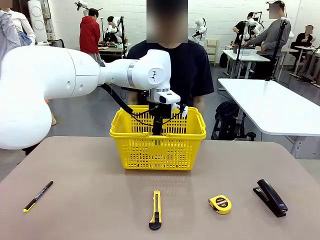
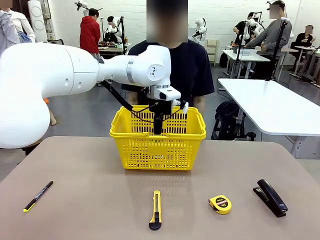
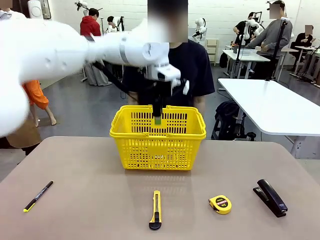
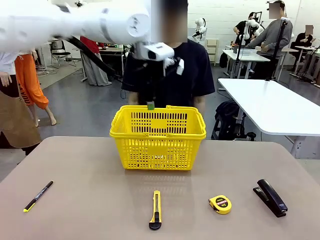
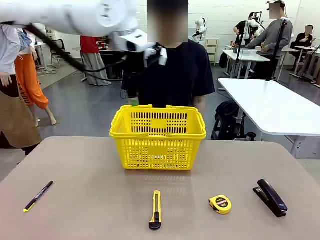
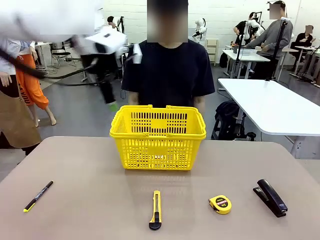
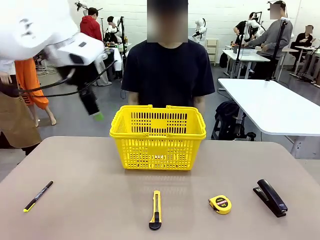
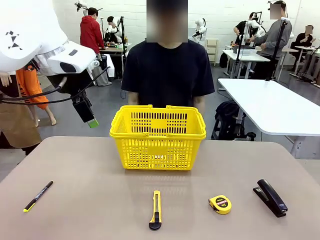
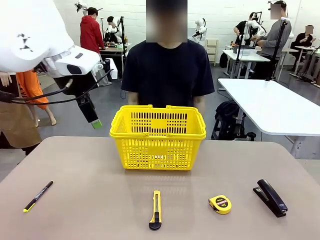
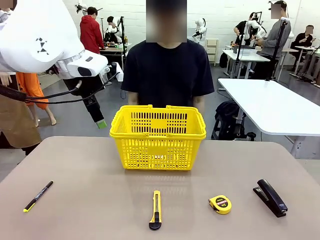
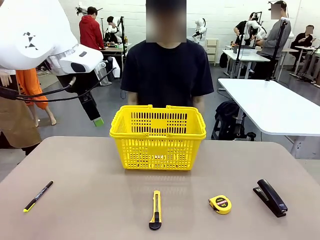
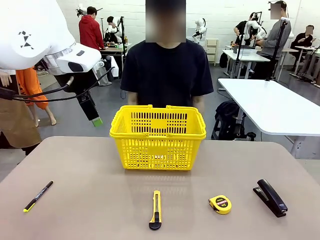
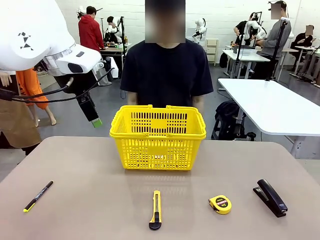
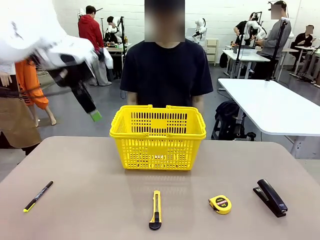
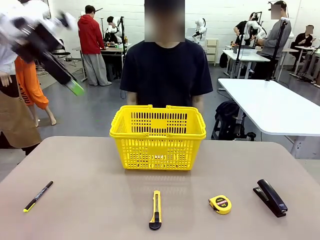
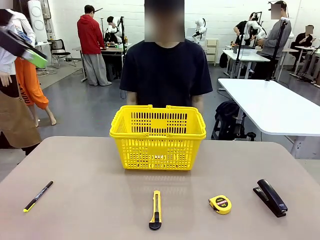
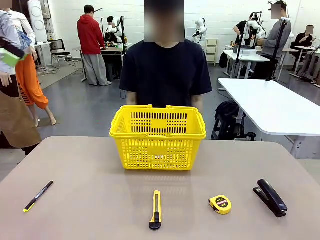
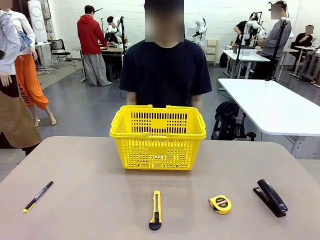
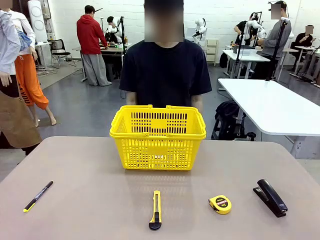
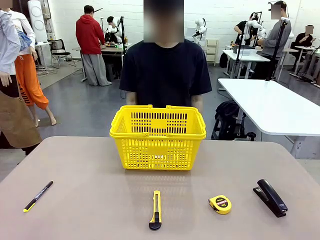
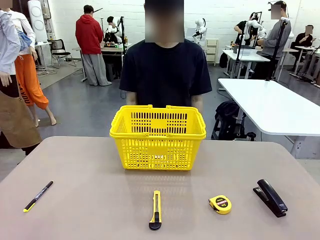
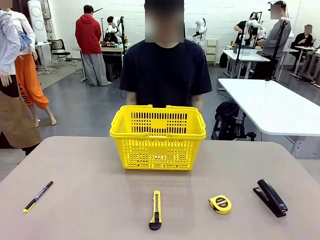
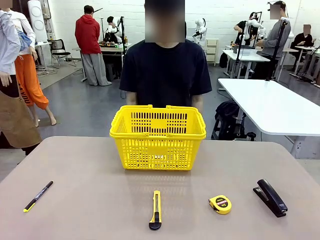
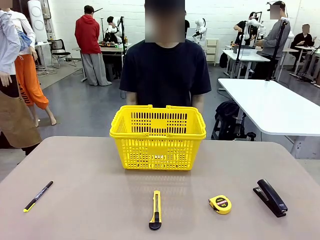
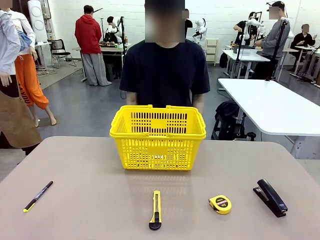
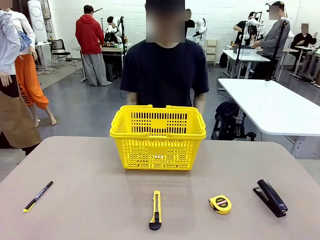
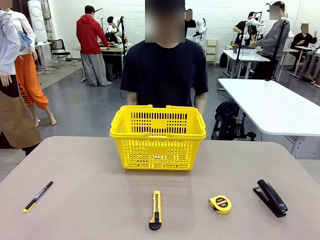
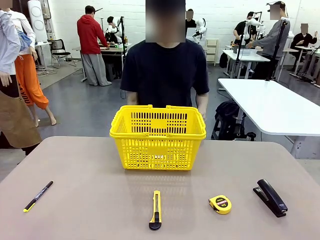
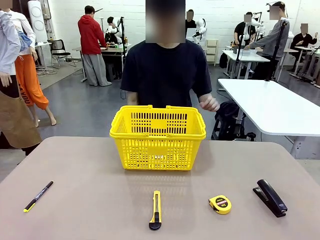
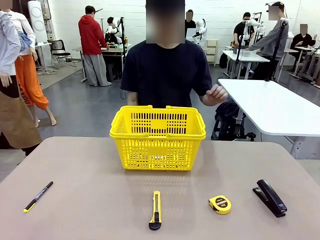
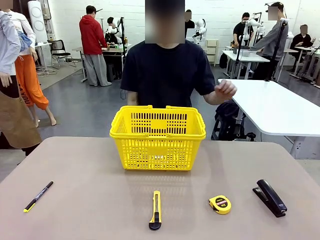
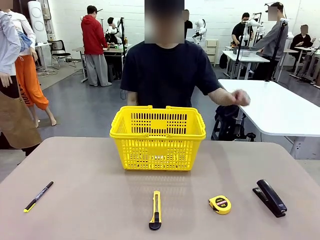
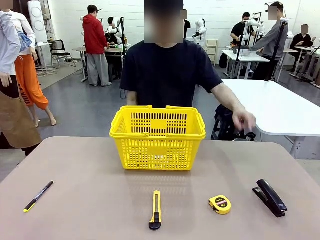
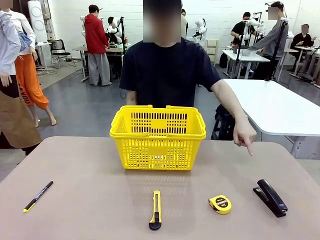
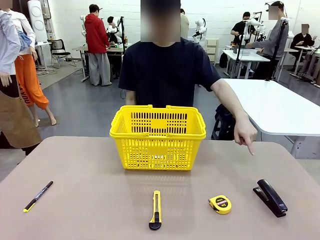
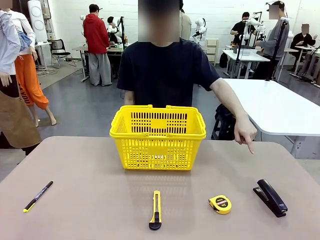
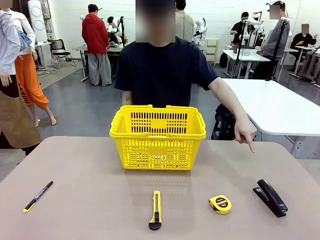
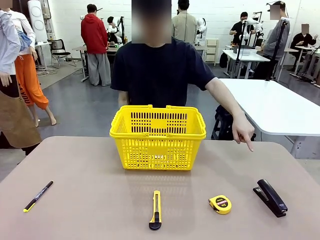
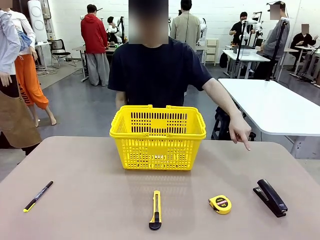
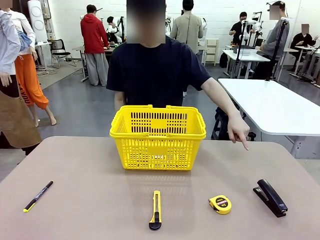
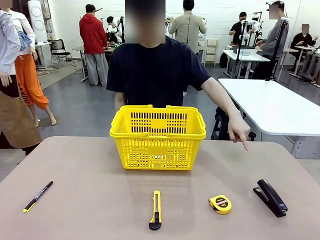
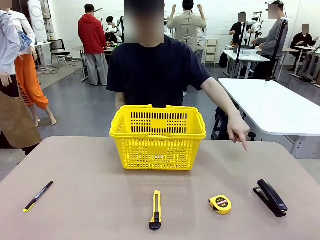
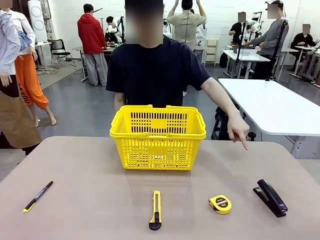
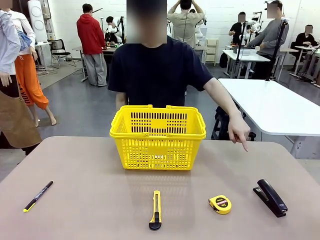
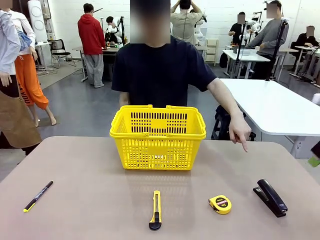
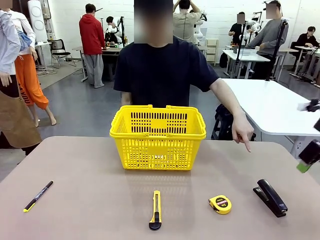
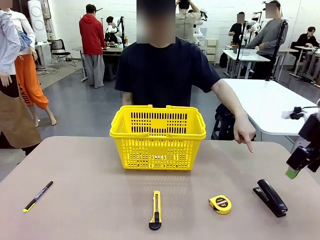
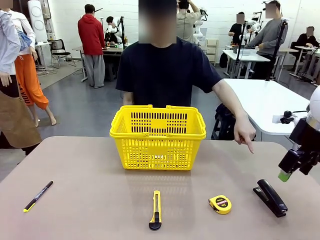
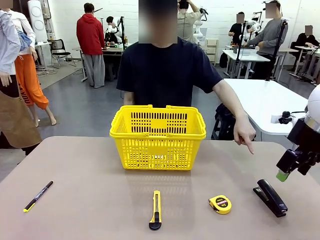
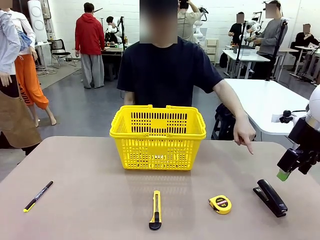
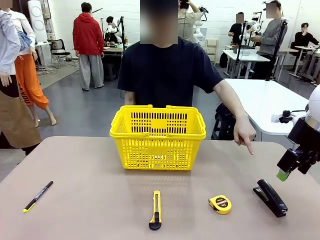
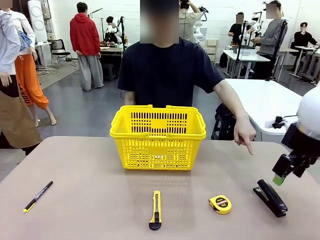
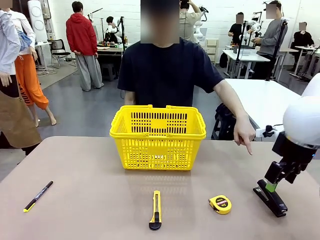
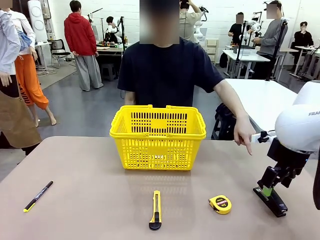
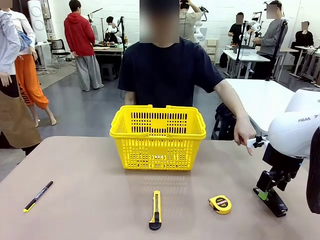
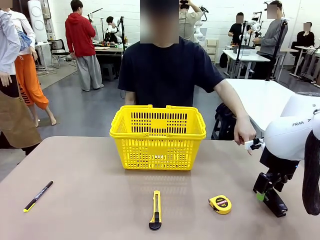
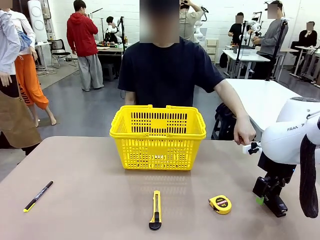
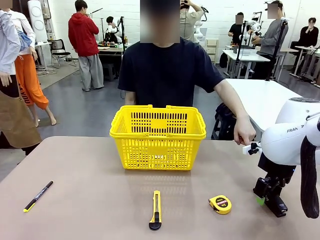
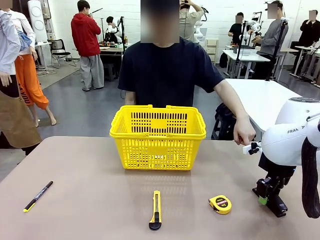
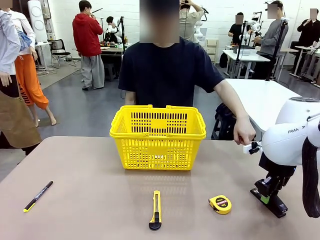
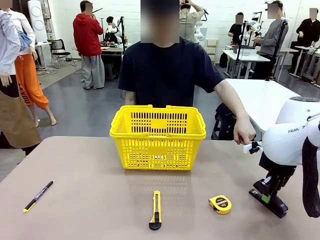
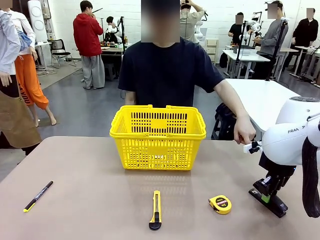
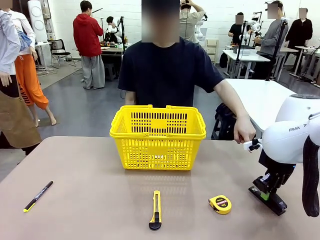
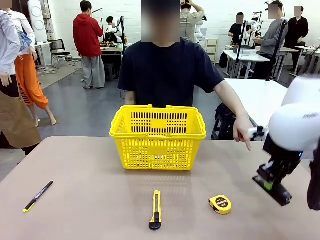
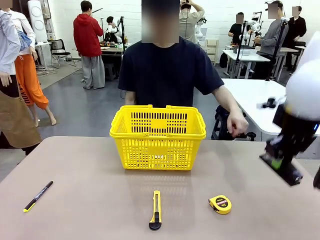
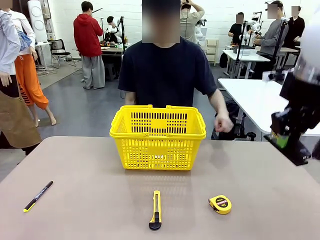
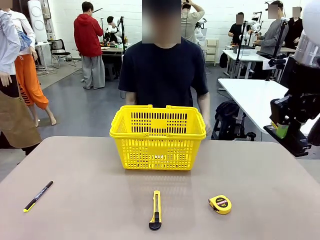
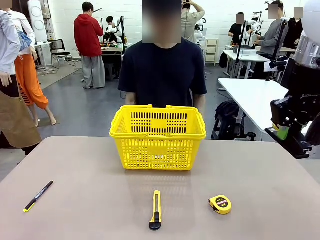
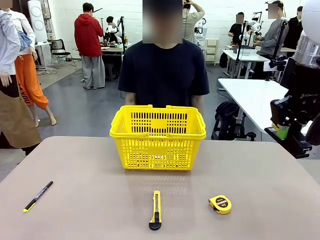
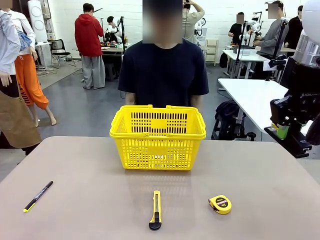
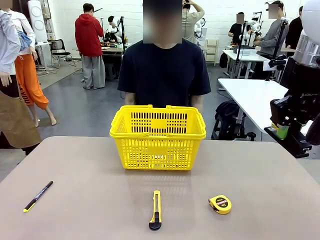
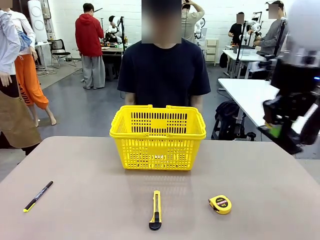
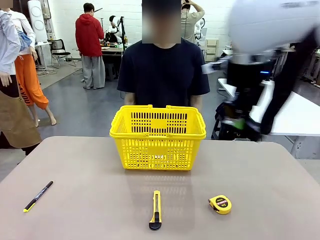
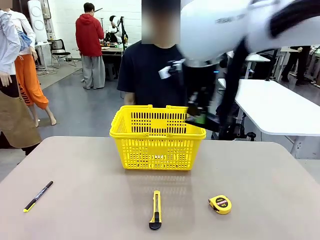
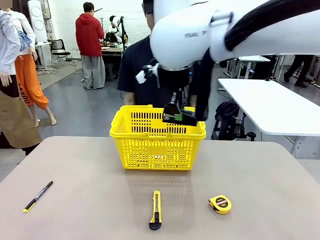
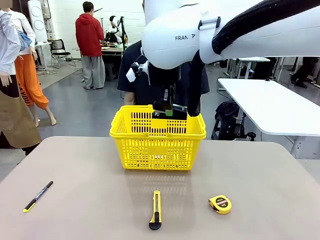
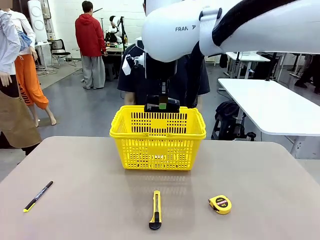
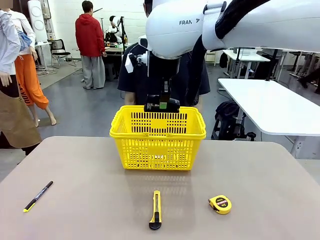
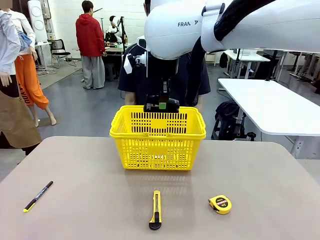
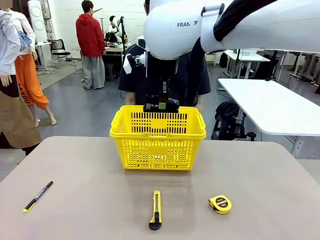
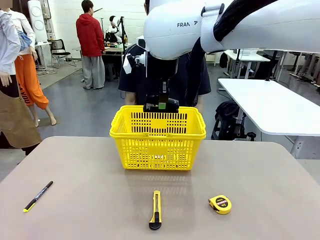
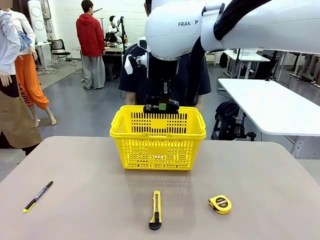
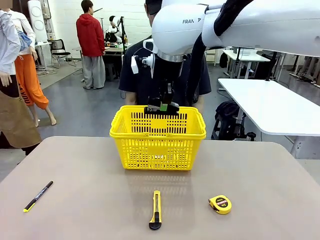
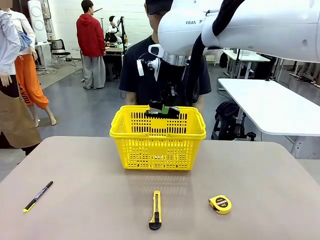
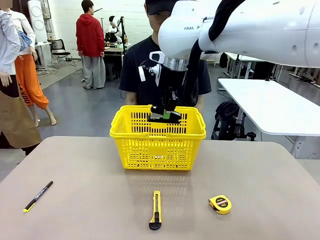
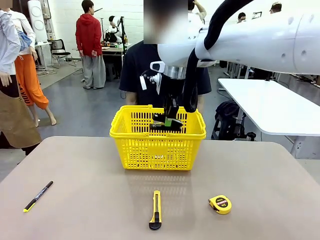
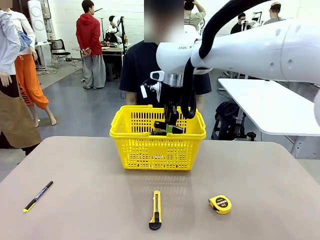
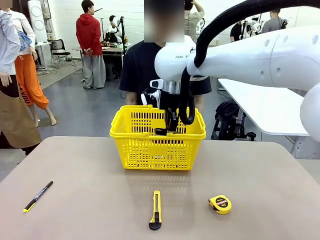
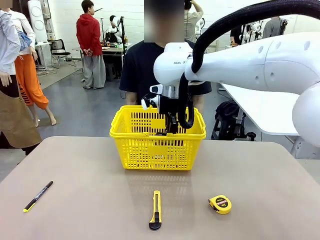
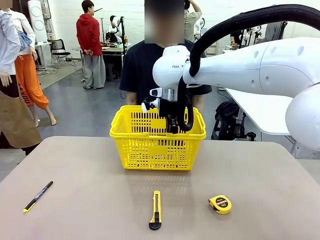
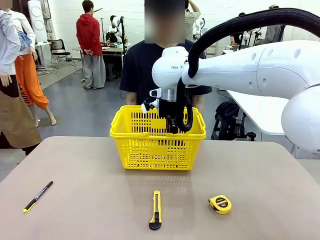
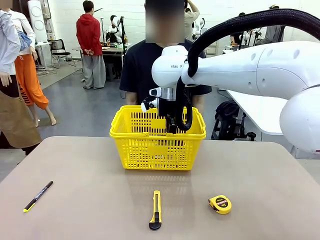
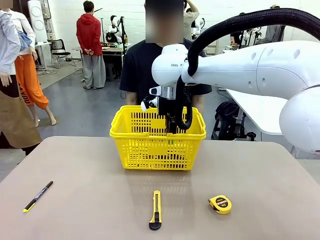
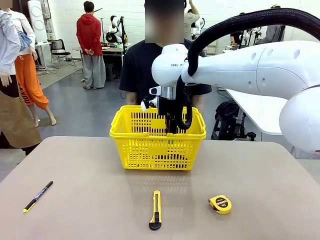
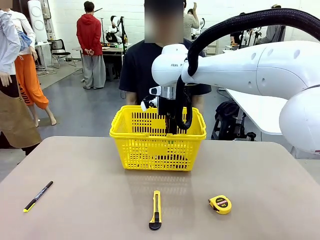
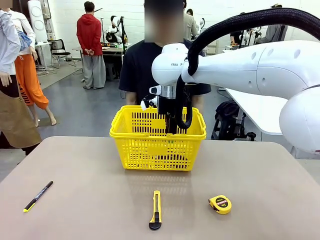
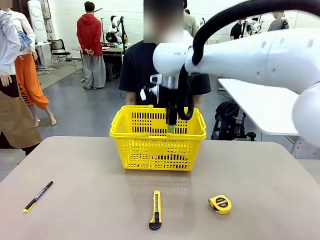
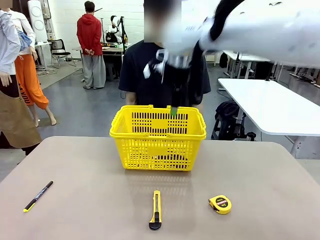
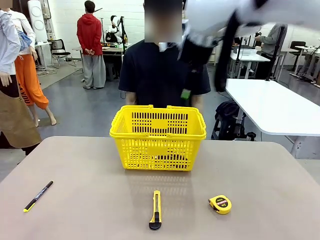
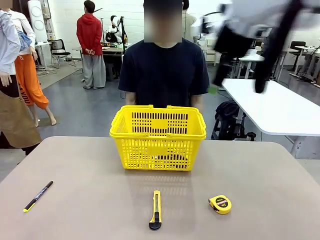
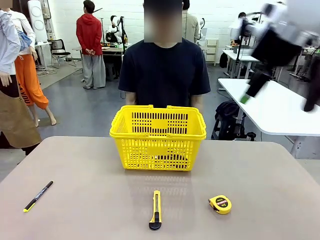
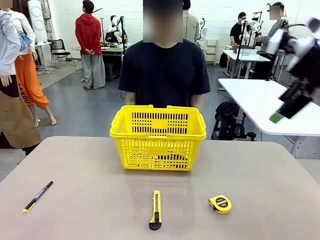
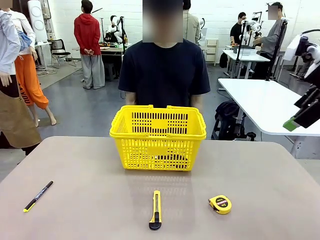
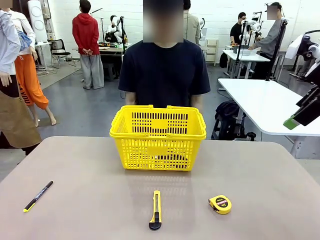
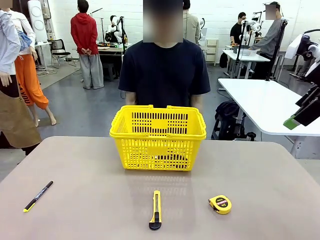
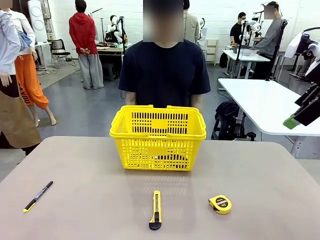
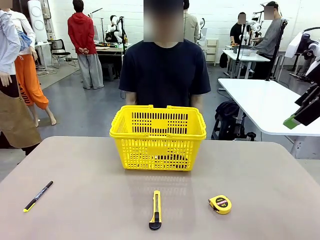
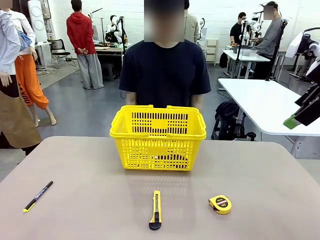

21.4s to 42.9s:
Task: Place the items the person wants into the basket.
Robot: Pick up the item the person points to and place it in the Market Basket.
